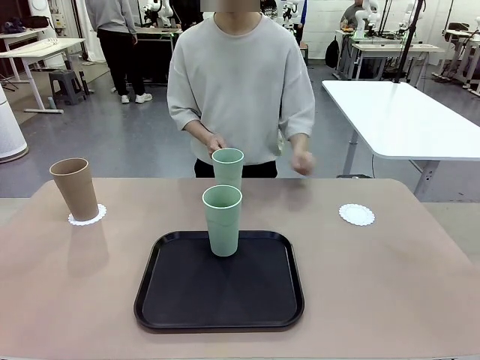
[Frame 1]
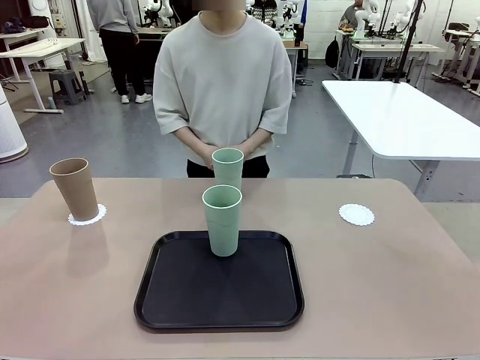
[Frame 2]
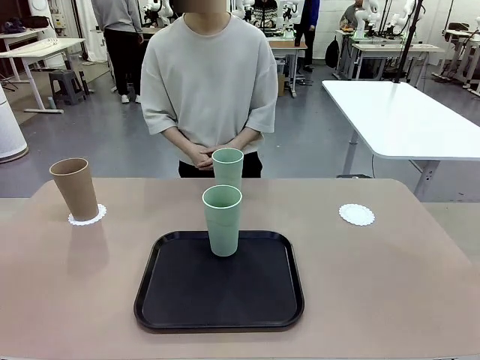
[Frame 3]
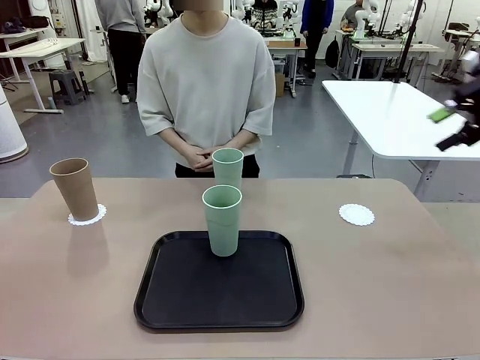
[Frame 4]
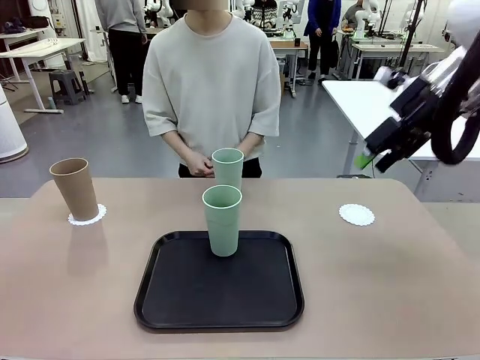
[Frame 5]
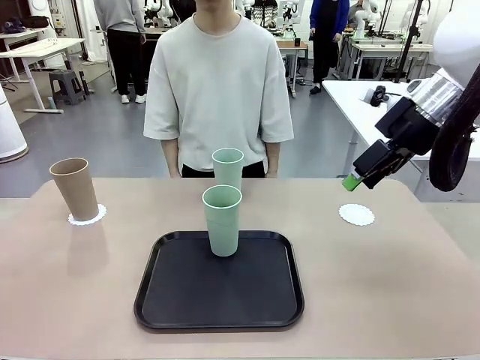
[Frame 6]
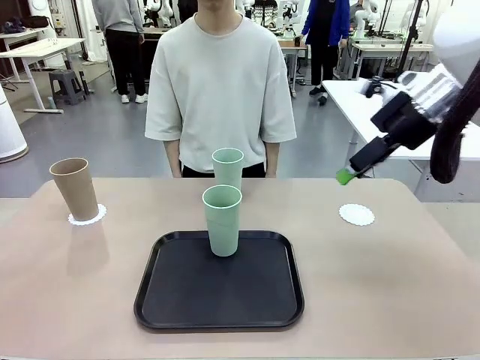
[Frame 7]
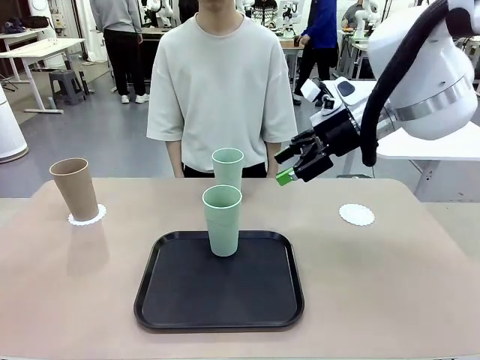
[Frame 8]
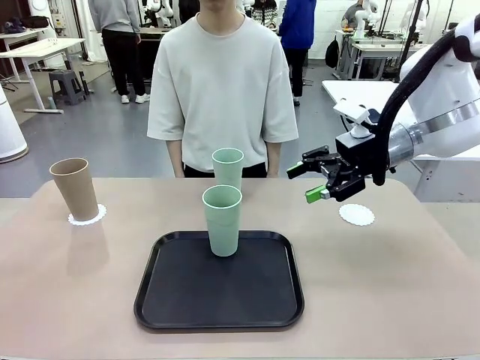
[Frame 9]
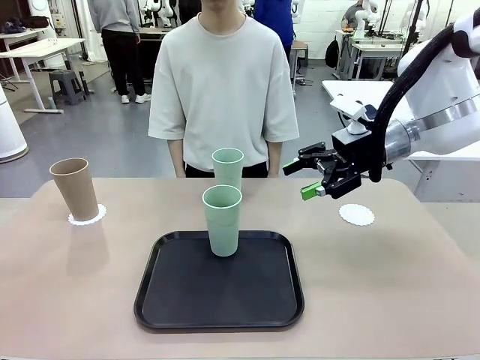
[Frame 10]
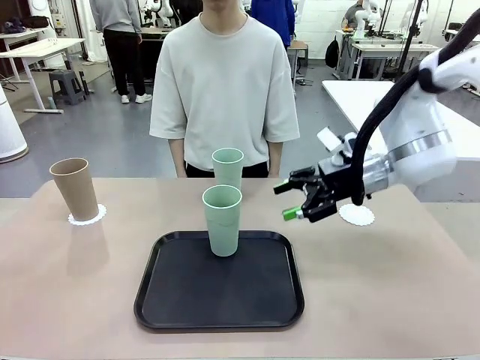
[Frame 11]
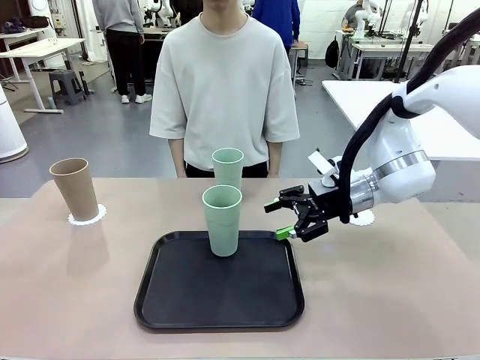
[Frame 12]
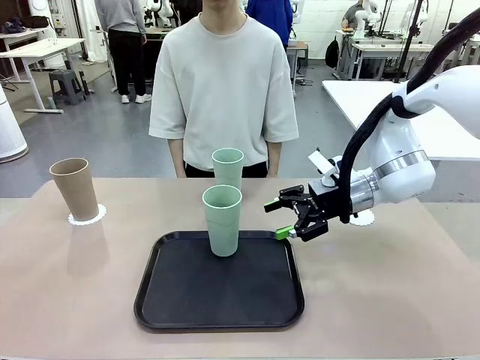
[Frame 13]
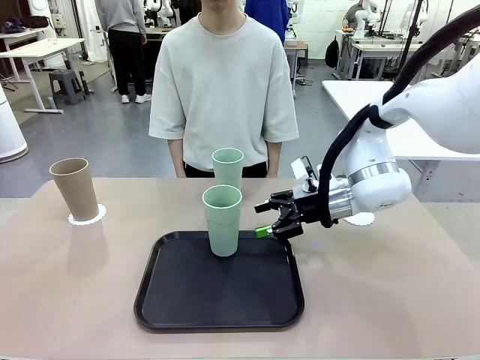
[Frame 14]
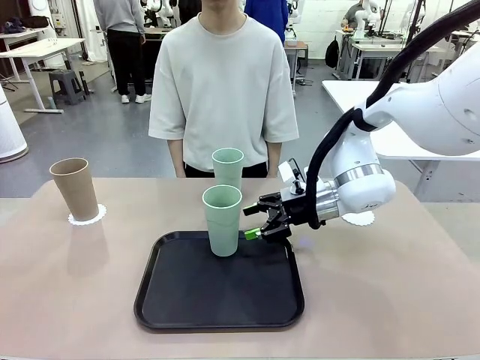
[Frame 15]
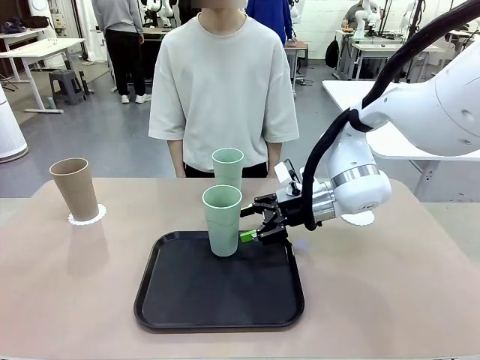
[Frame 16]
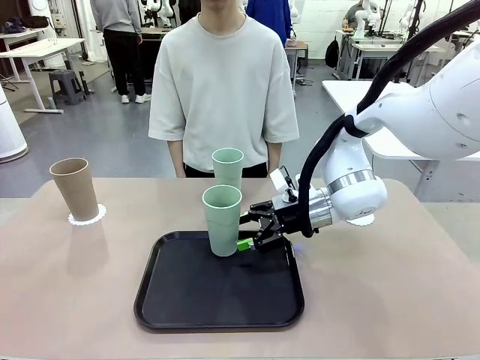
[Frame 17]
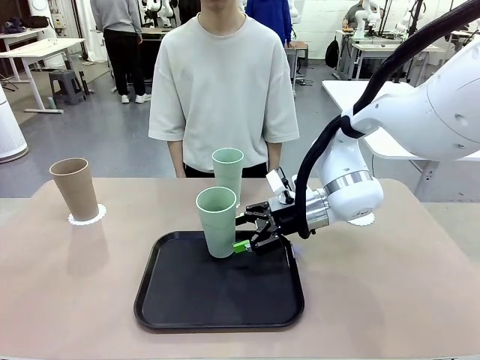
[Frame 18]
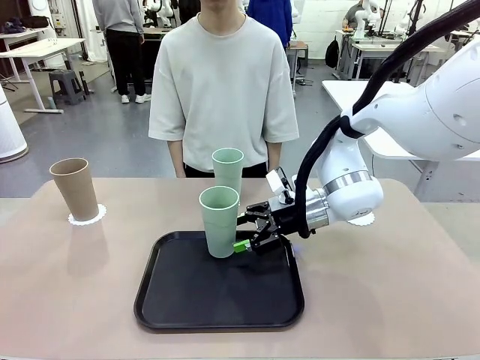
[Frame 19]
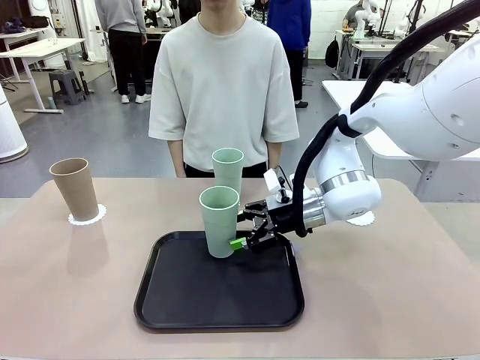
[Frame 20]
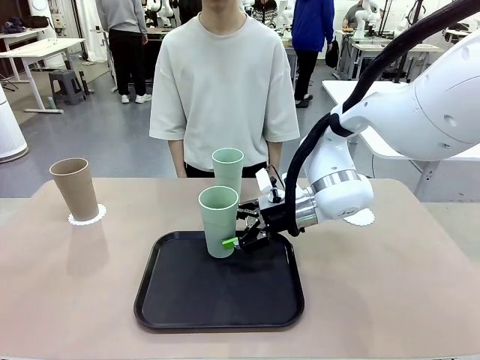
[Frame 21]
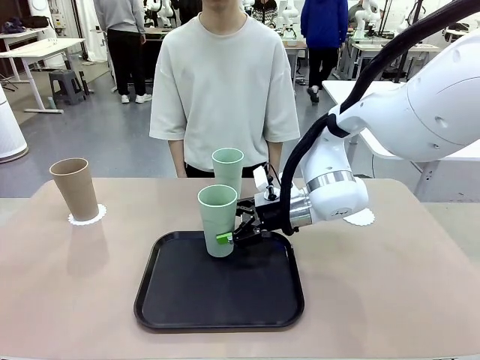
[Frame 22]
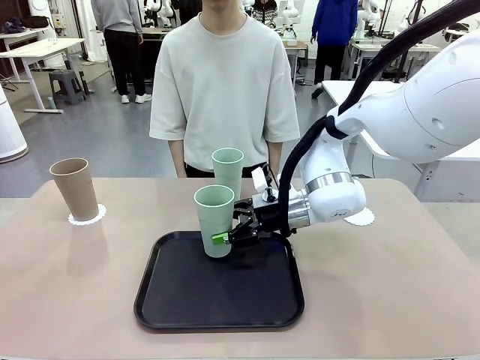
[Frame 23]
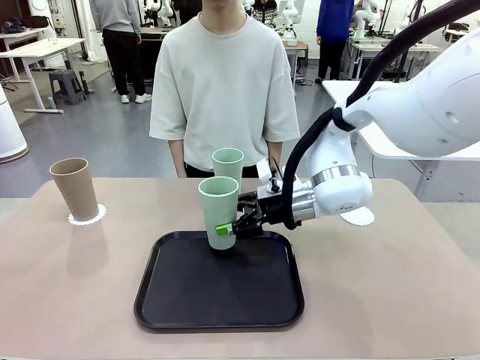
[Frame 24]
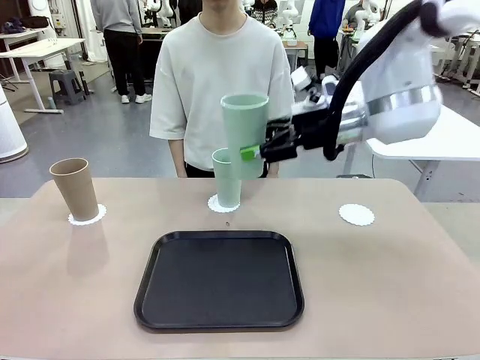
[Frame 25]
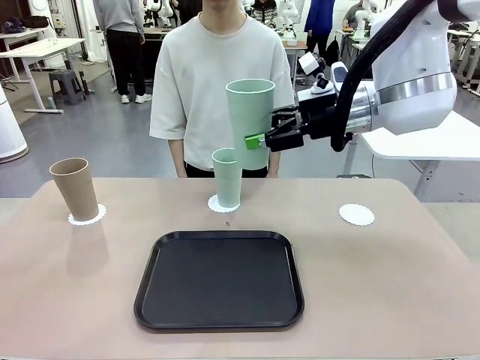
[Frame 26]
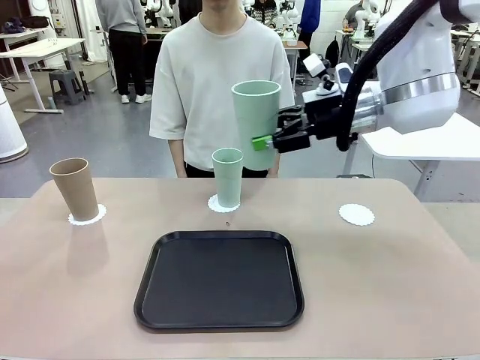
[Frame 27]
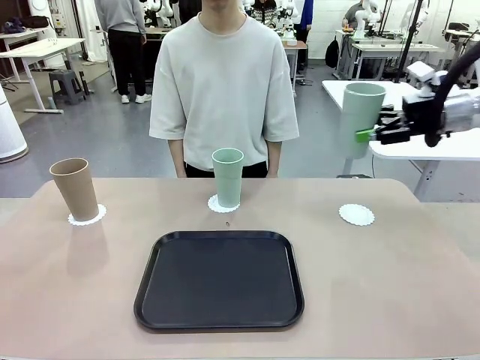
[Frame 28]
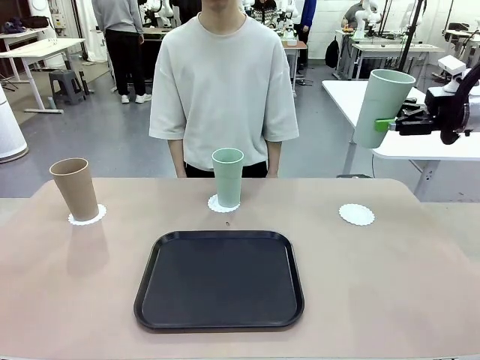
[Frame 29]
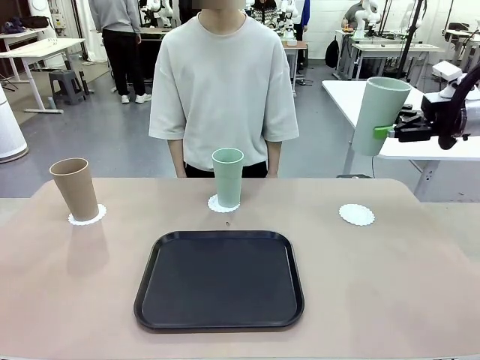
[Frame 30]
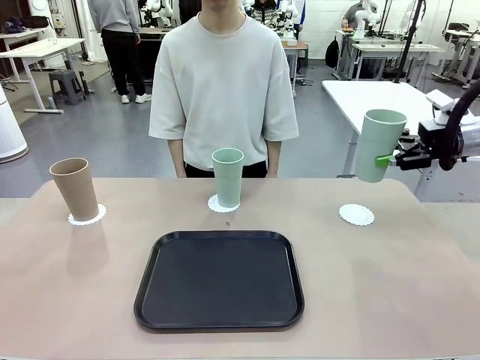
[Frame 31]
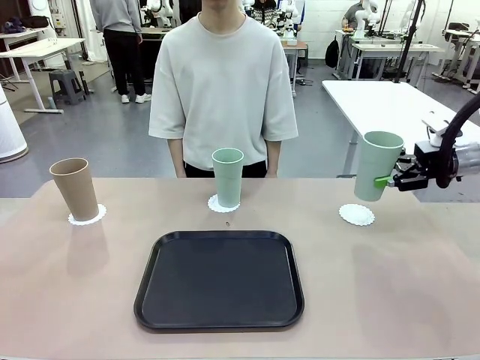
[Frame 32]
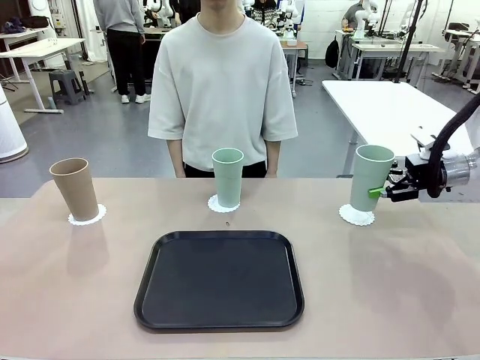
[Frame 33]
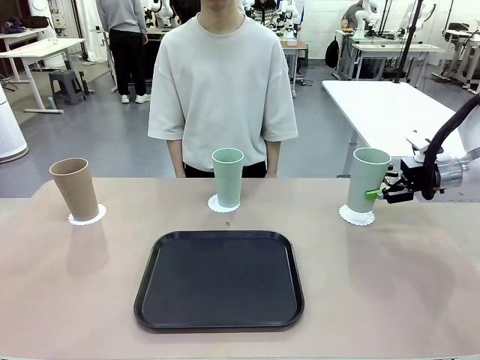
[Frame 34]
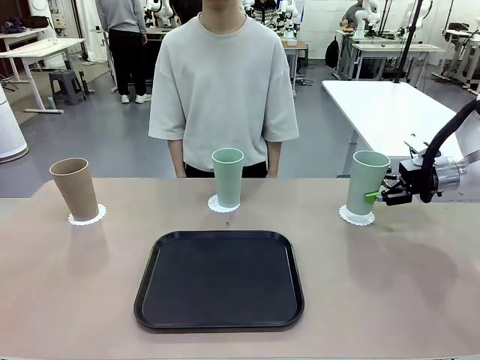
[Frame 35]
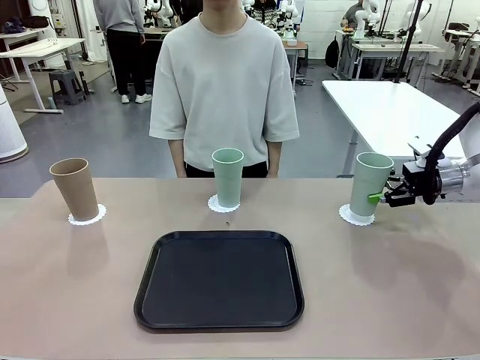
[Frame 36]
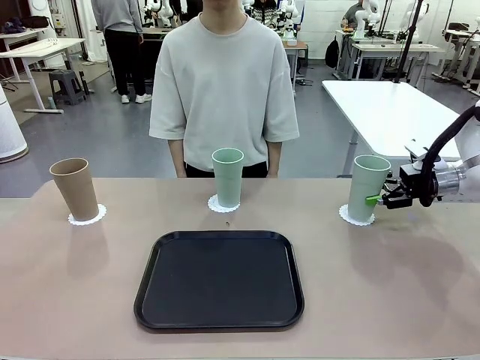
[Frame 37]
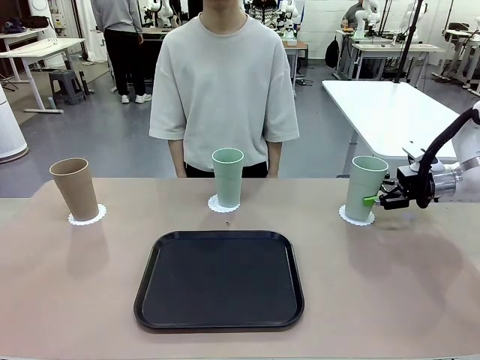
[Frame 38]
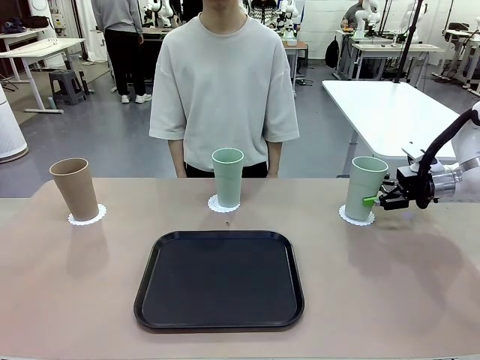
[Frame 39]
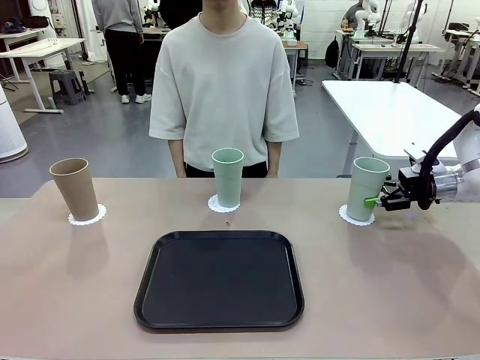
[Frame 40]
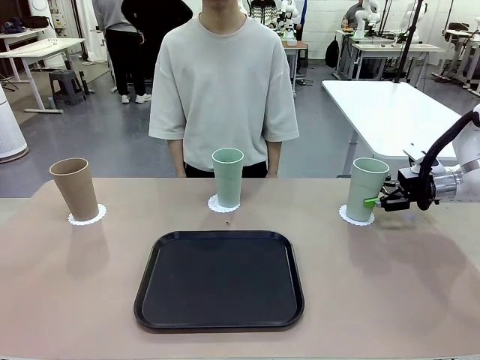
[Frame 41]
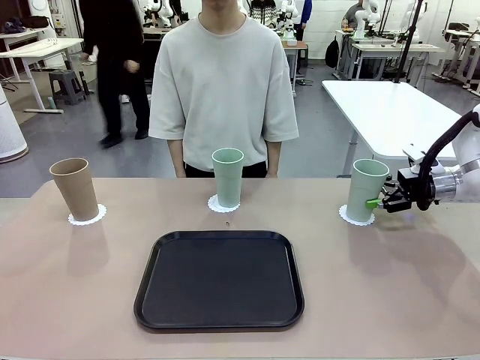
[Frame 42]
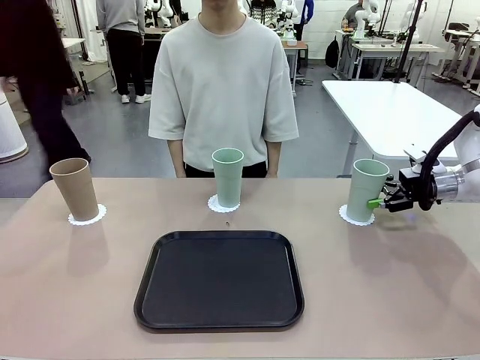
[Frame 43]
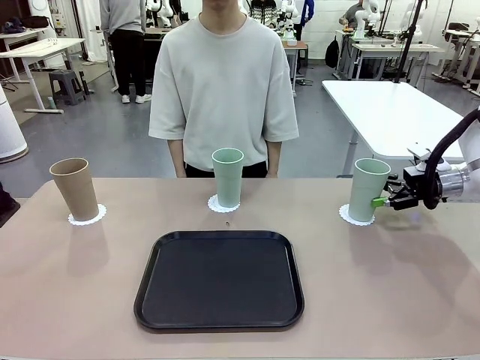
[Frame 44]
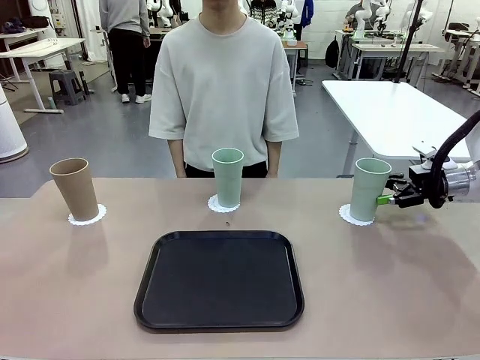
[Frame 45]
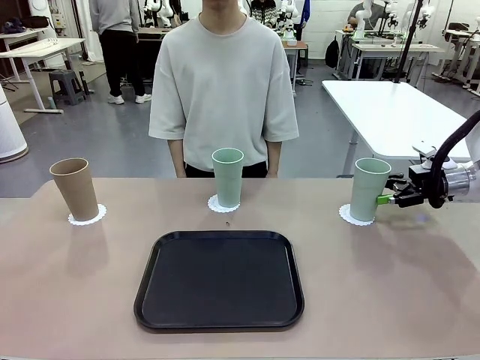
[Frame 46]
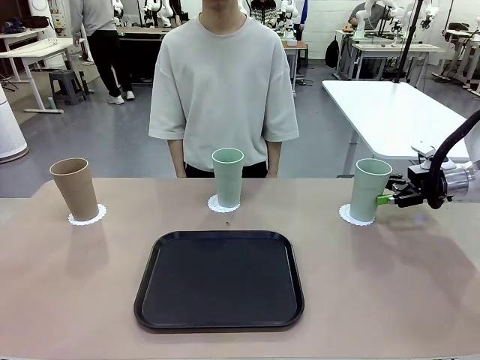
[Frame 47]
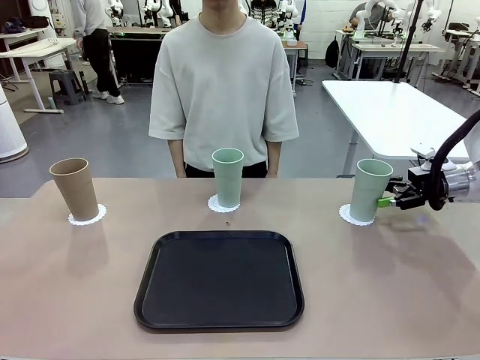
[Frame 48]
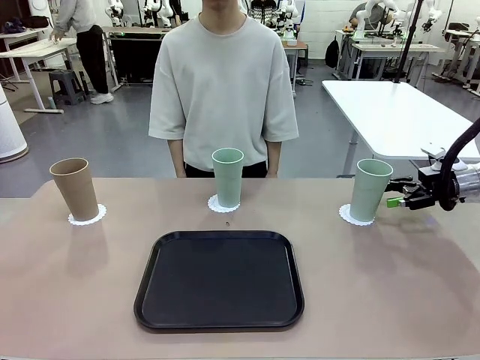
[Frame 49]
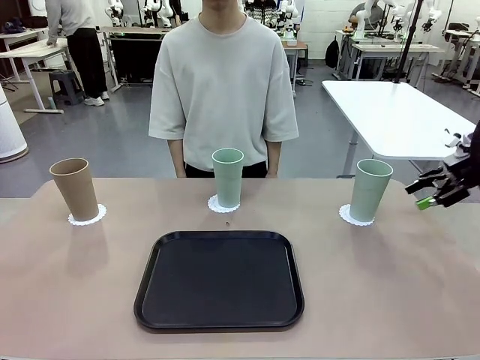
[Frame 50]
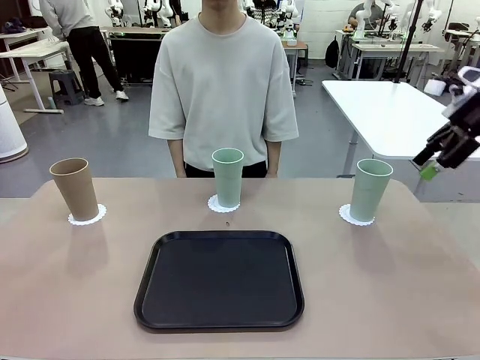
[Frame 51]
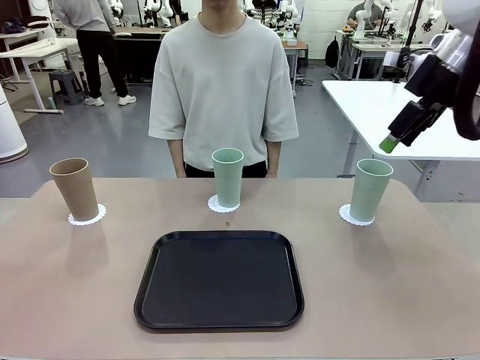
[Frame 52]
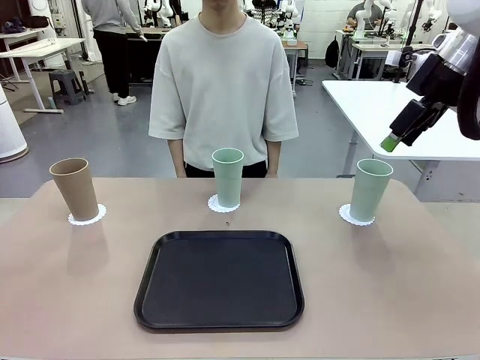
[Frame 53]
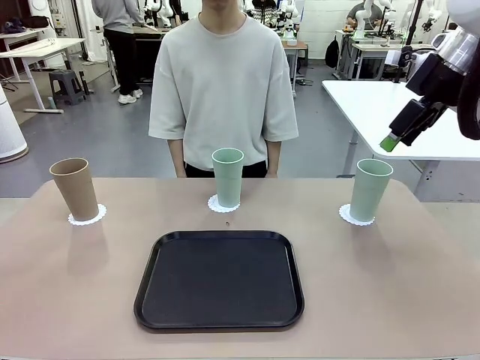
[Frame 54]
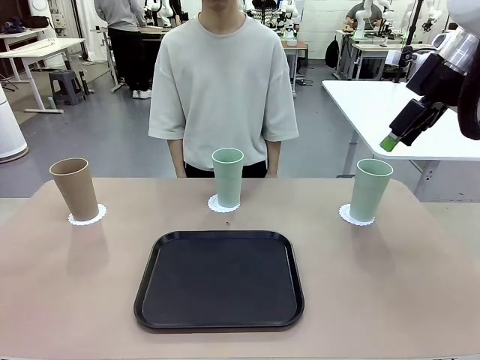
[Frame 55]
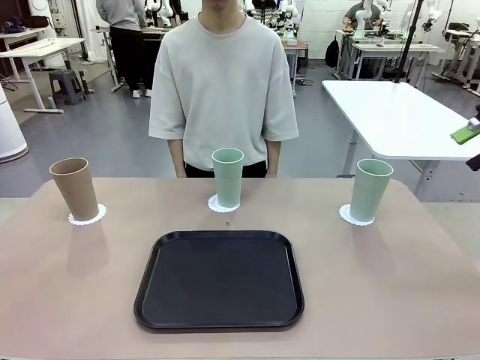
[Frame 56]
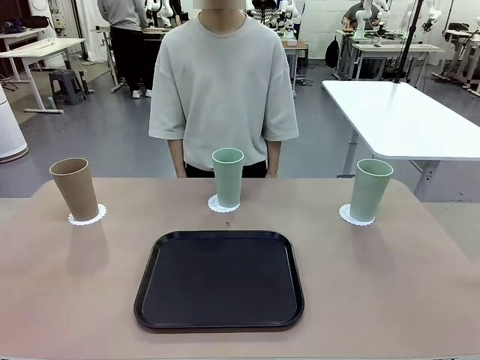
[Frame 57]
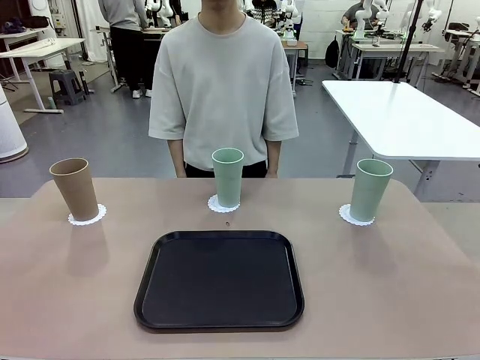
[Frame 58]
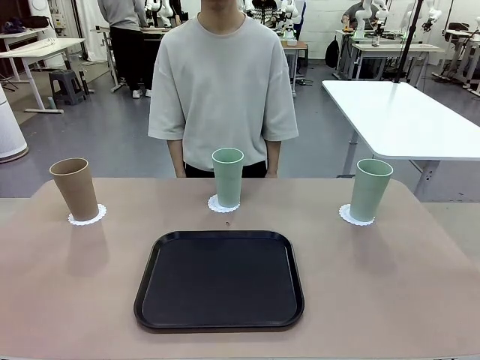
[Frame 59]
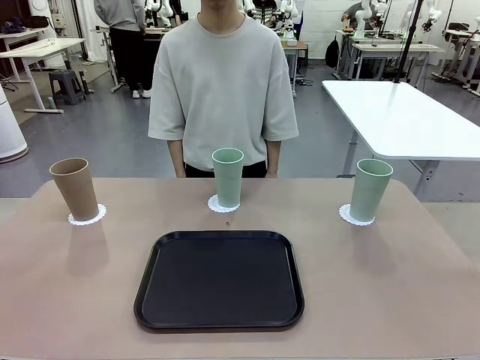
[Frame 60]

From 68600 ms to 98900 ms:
Task: Place coasters on the table and set cups on them.
Robot: Take one Reusable plastic cup from the Flat Tray and place it on a coaster set by the human.
Person: Place one coaster in the only remaining area.
